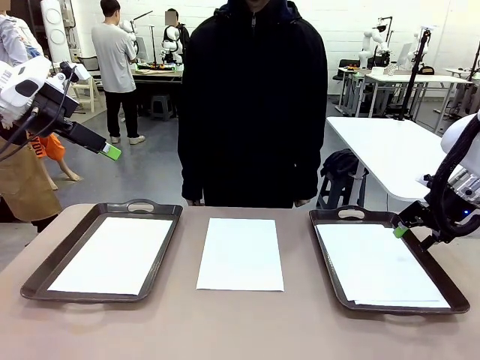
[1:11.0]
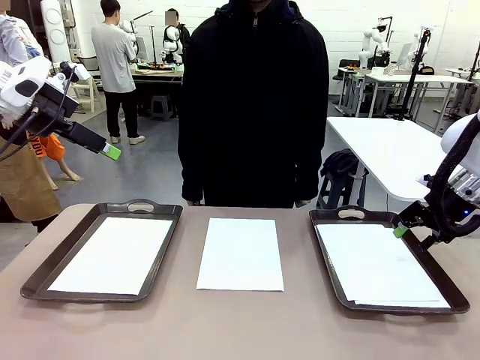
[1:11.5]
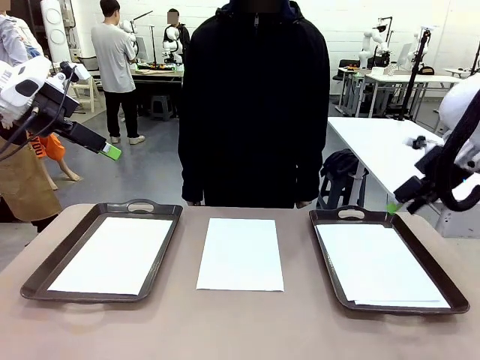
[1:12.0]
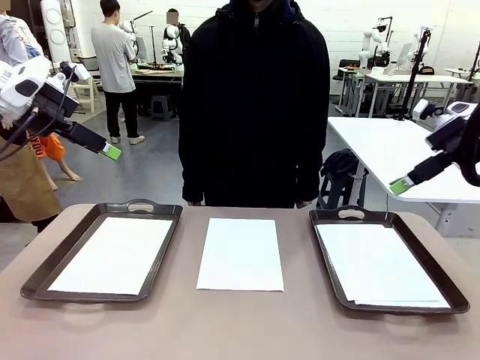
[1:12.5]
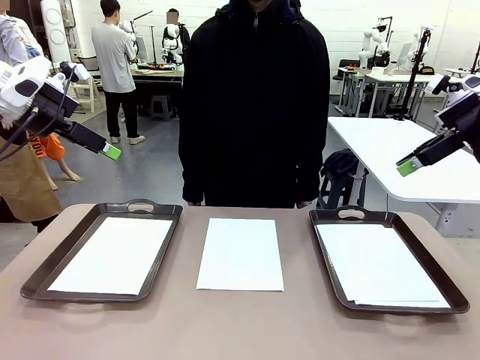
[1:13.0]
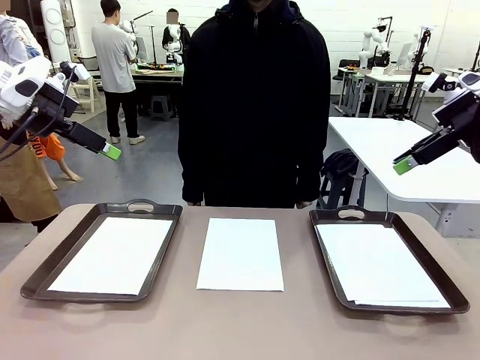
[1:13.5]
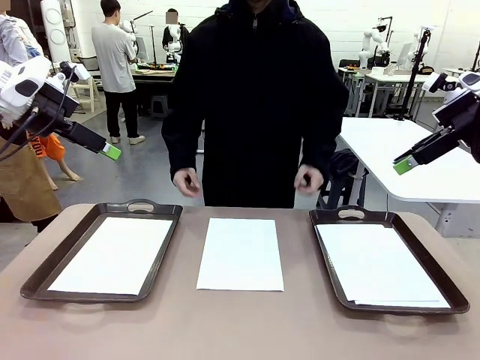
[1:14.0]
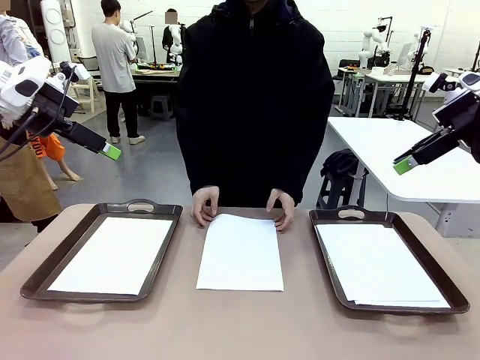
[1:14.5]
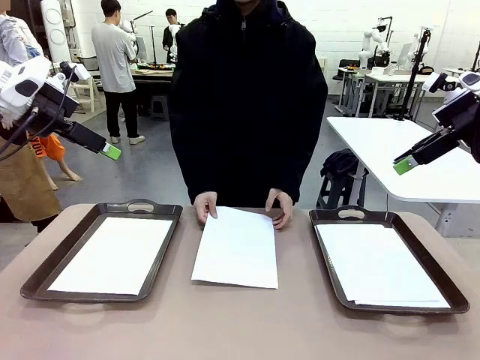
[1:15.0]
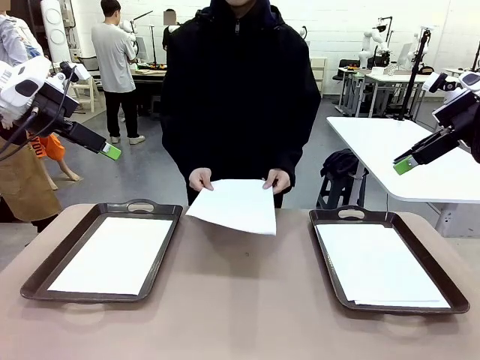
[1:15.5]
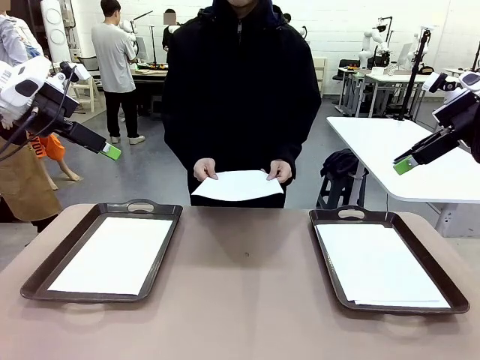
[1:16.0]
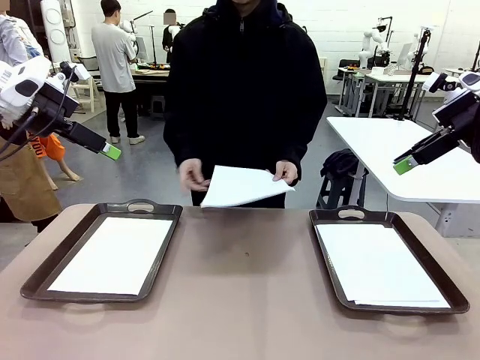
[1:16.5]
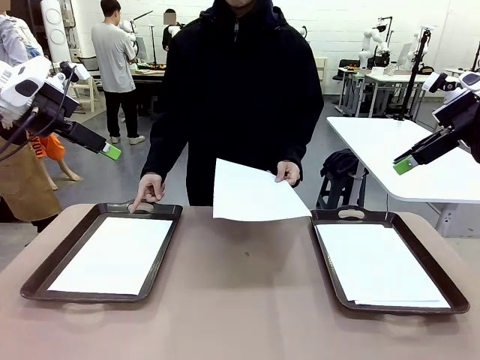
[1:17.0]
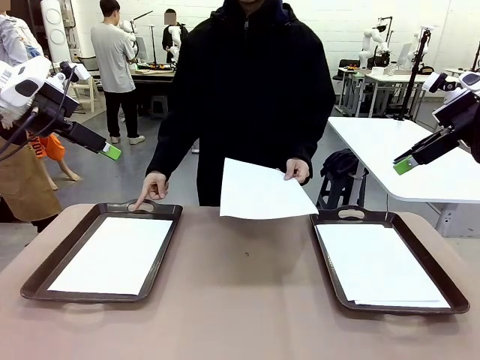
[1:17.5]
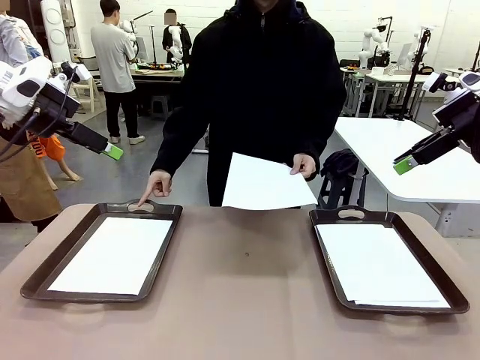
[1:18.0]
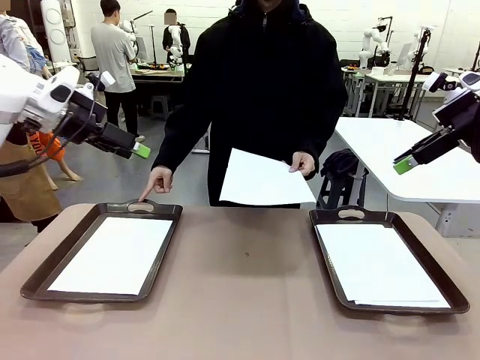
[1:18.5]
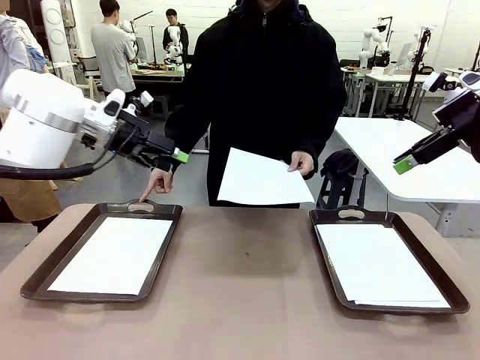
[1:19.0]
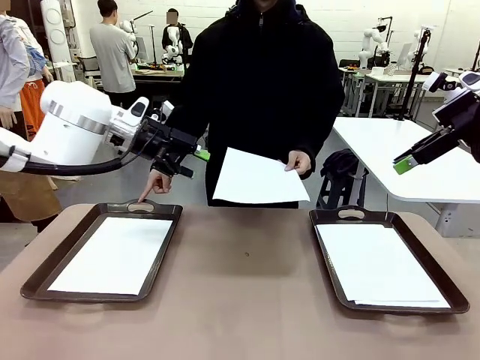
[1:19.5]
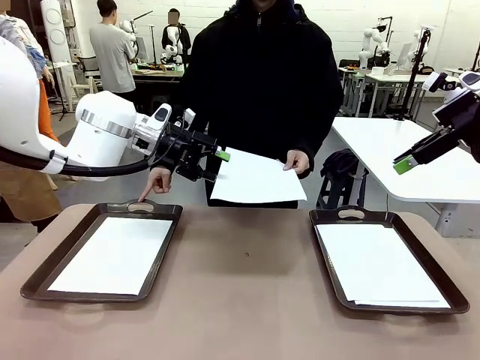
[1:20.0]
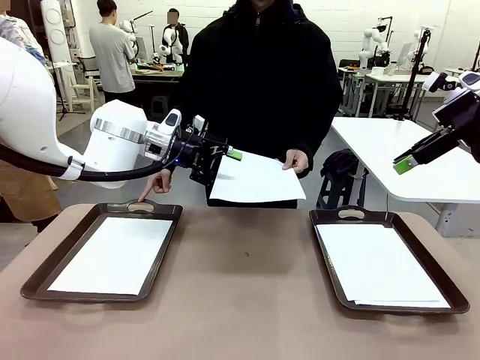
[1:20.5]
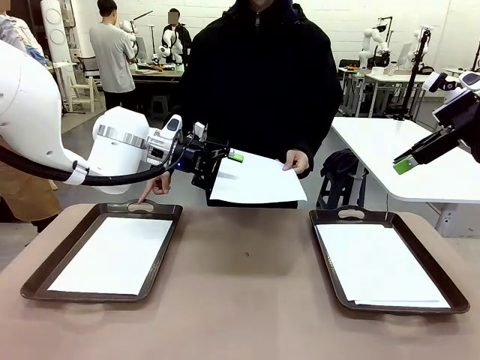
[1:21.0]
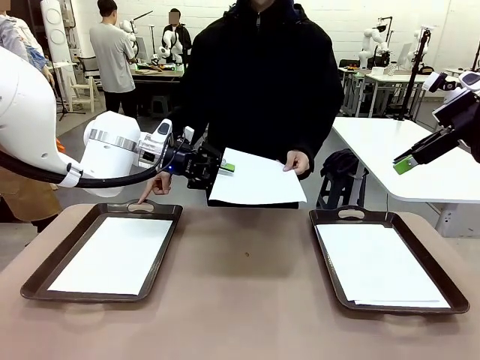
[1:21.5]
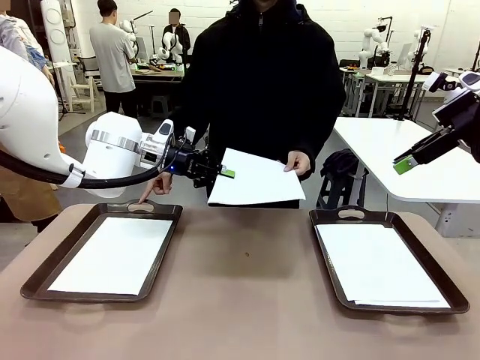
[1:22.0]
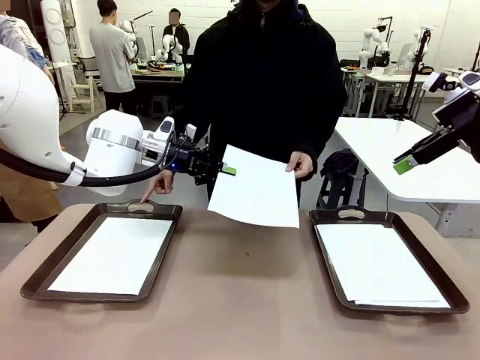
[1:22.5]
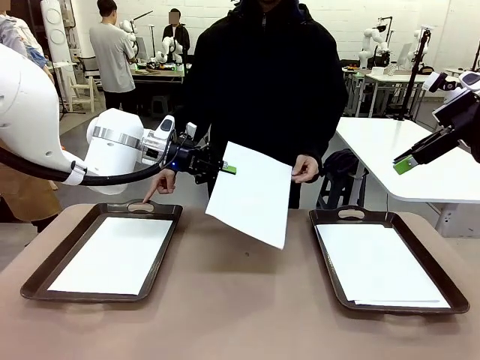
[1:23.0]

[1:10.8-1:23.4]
Task: Sort the A4 documents.
Robot: Receive the A4 Paper.
Person: Point the randomly selected tray with the other hand.

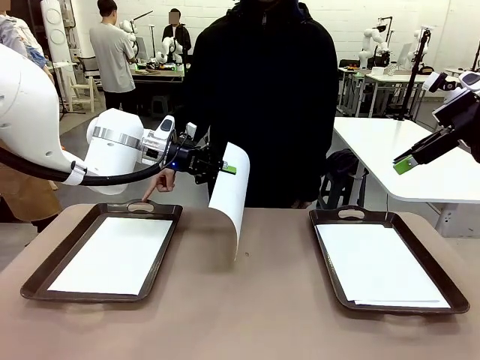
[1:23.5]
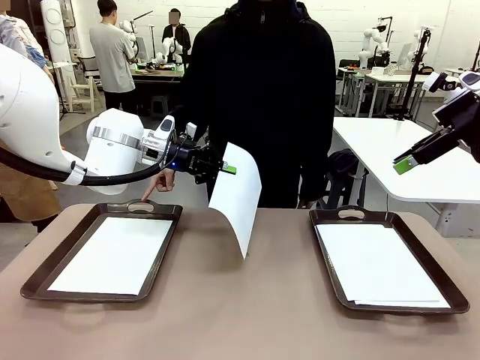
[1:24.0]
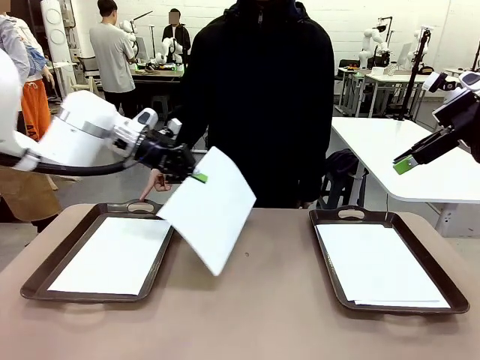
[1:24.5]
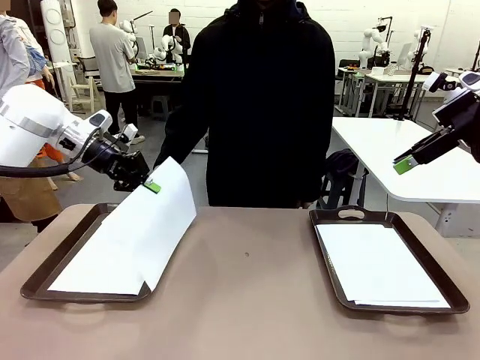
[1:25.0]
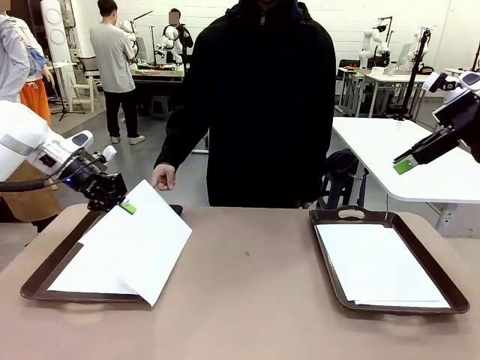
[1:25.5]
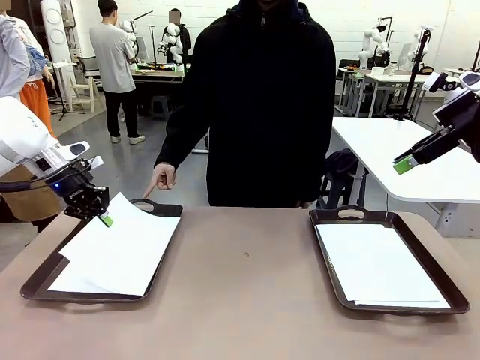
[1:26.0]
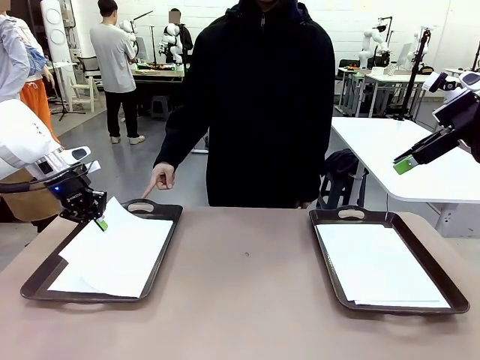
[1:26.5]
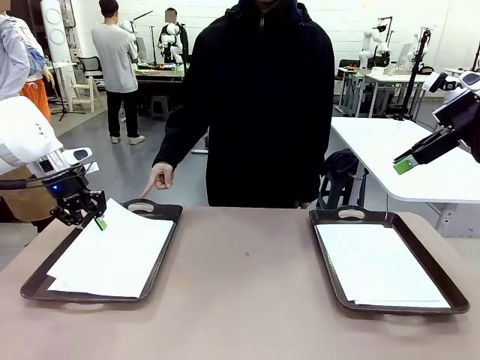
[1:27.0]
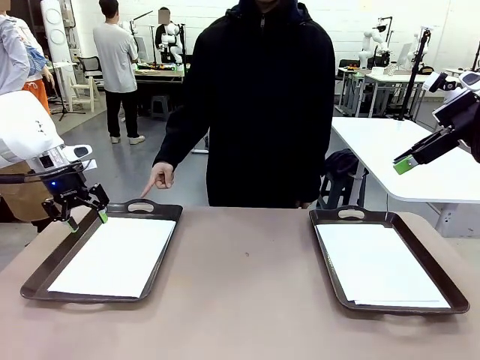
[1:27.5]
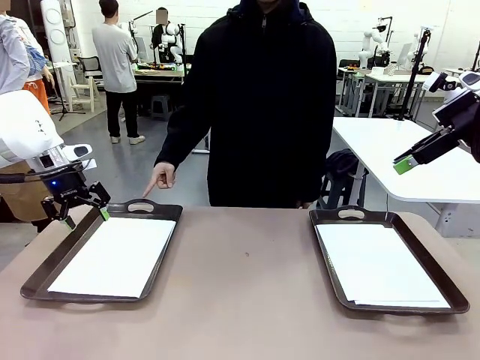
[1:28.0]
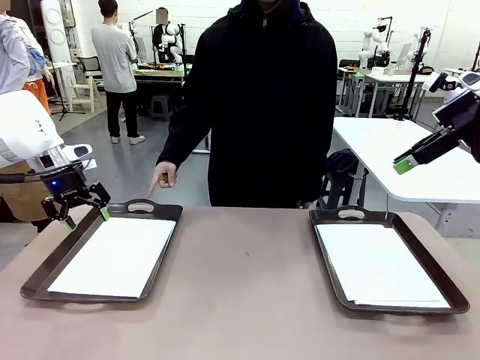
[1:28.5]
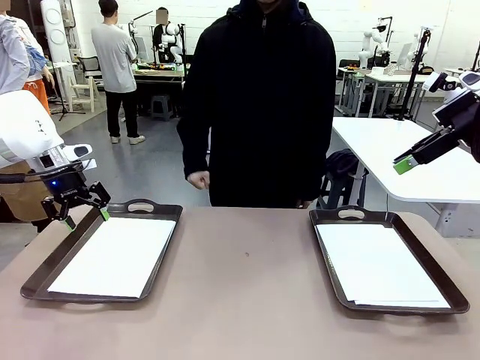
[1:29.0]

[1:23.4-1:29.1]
Robot: Place the A4 Paper in the designated Handle tray.
